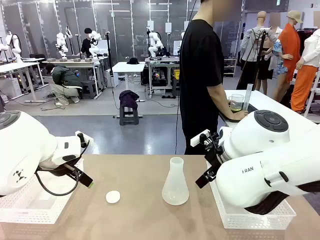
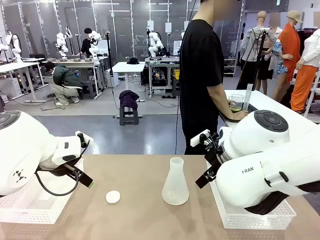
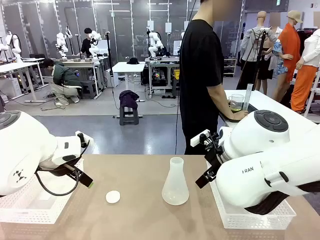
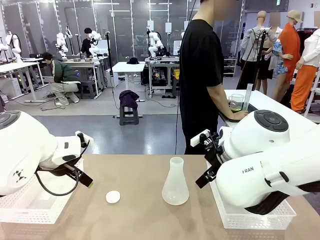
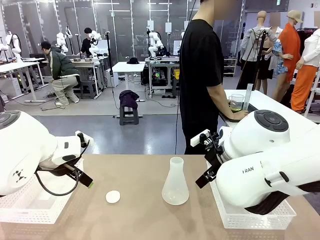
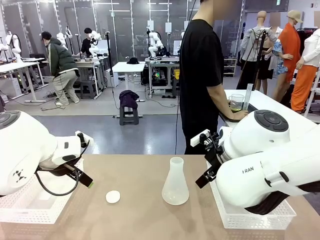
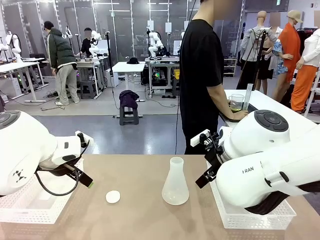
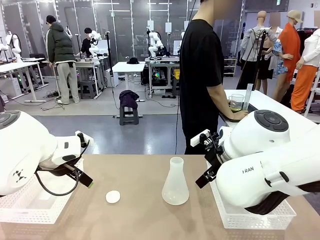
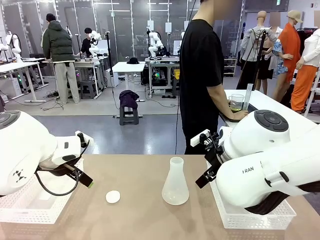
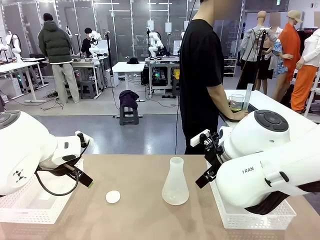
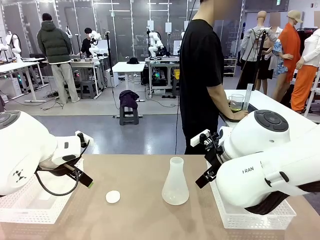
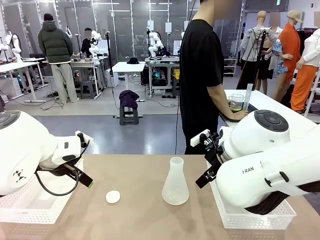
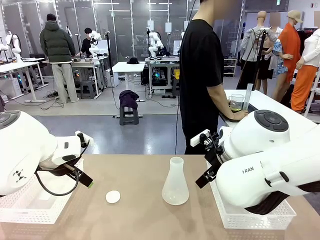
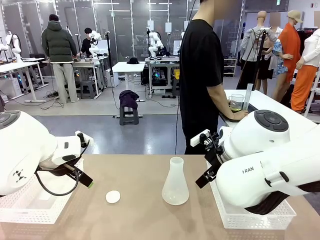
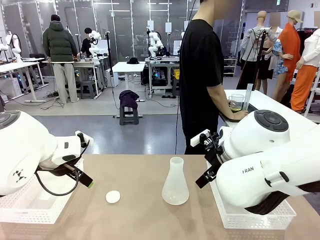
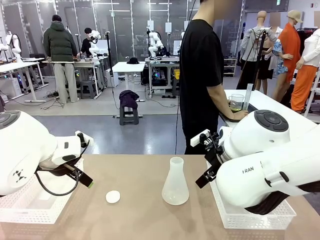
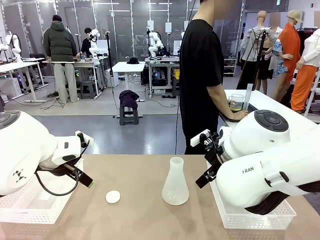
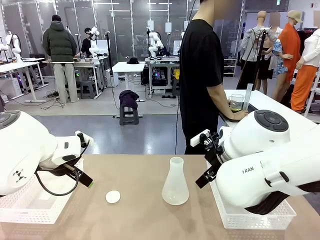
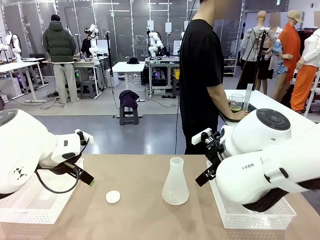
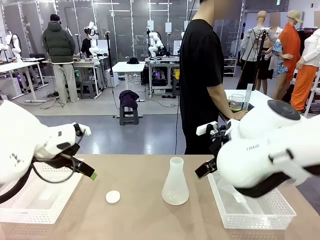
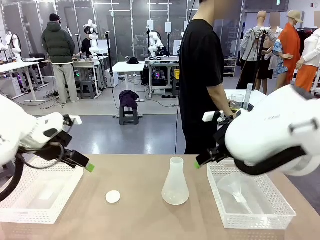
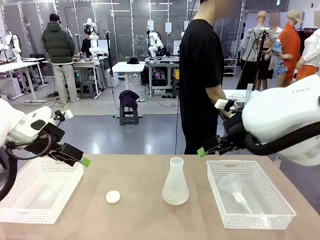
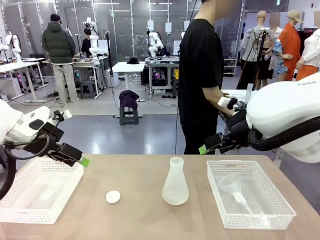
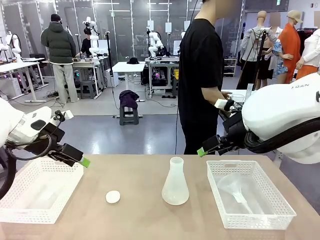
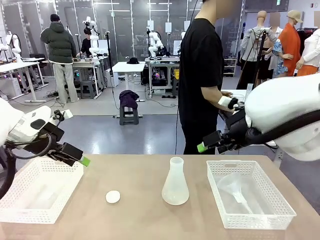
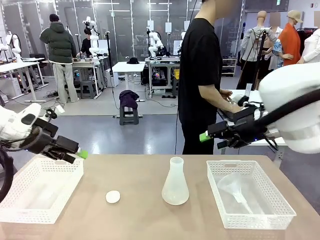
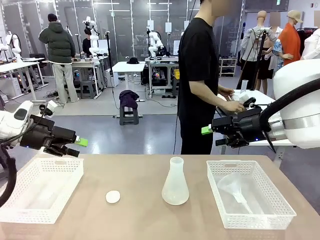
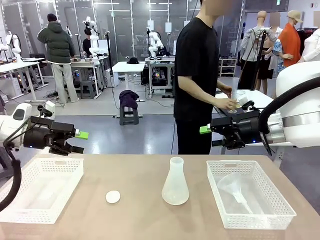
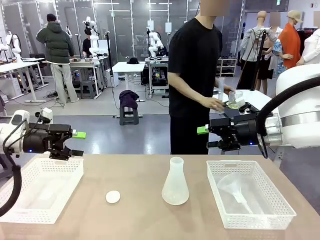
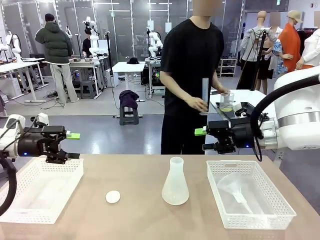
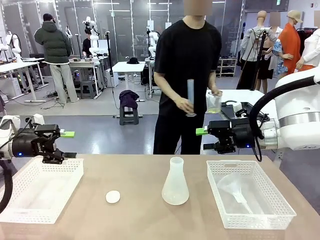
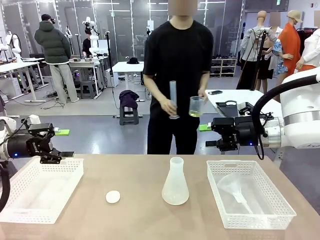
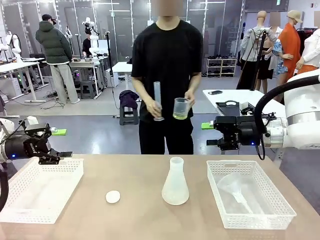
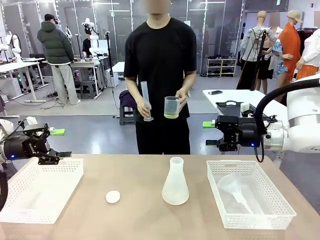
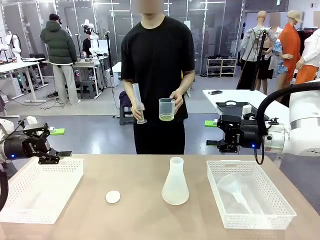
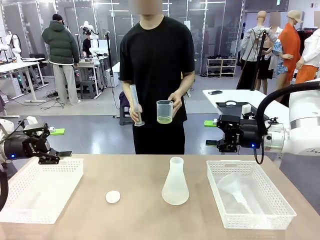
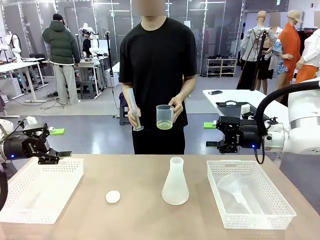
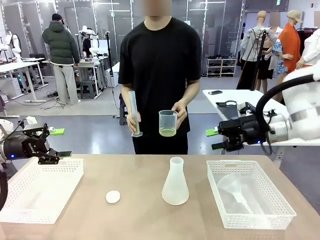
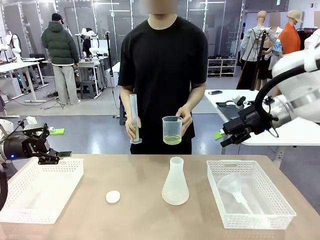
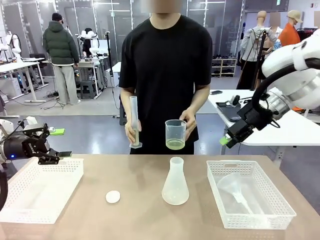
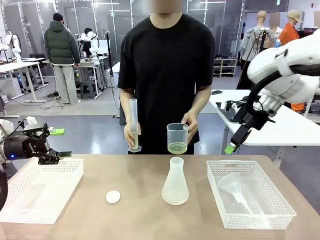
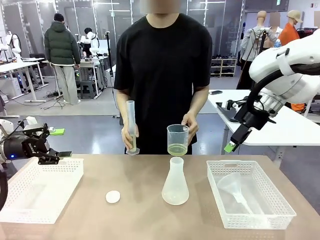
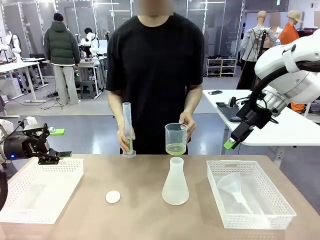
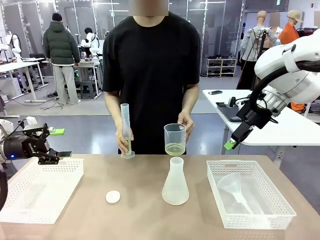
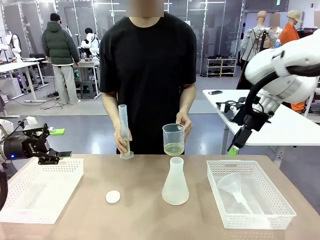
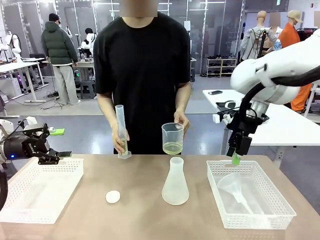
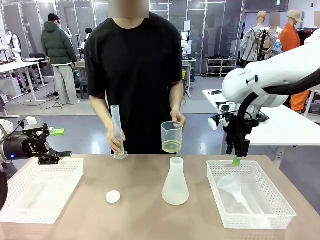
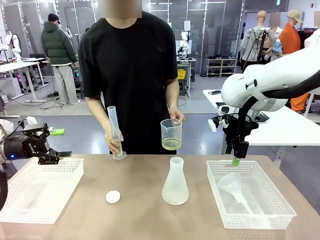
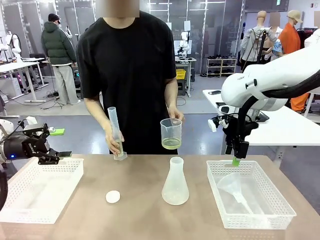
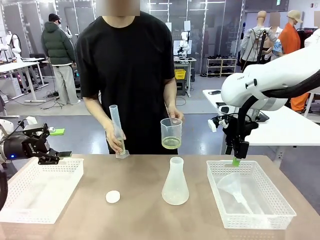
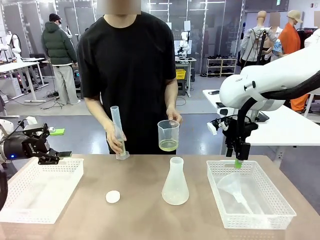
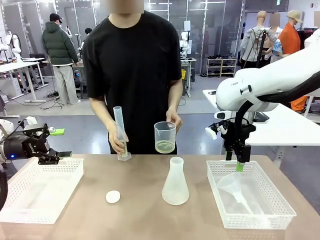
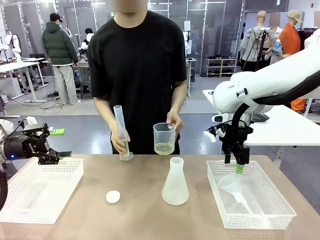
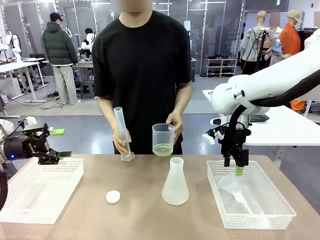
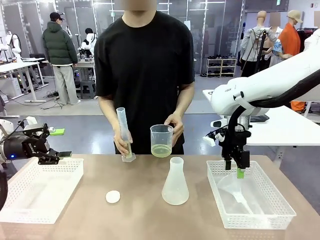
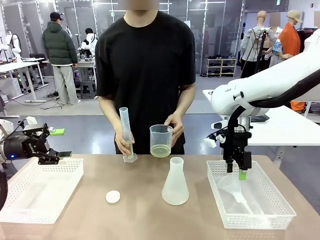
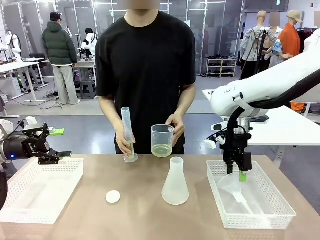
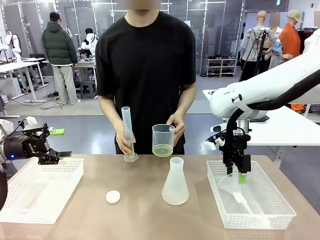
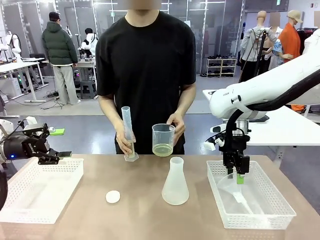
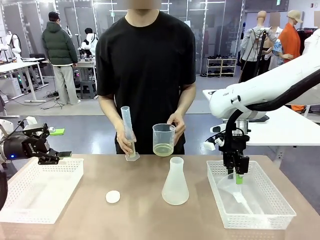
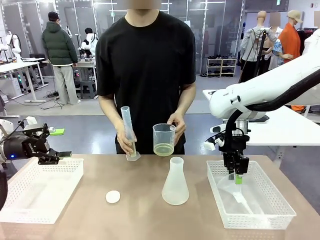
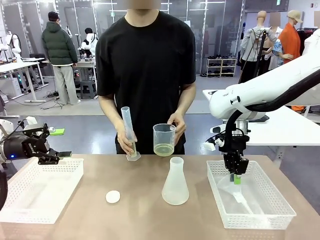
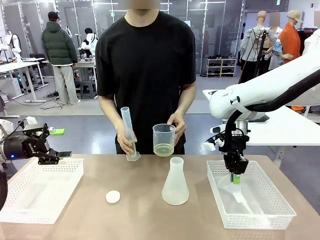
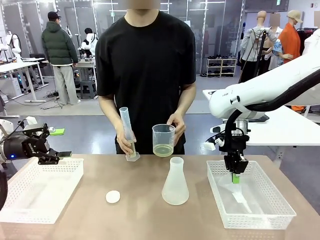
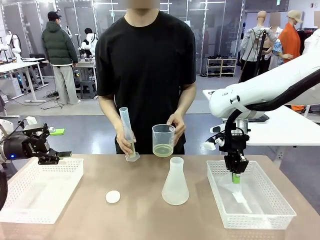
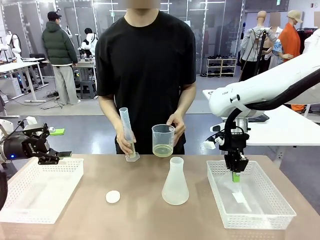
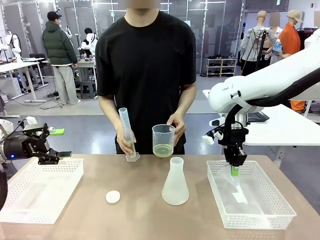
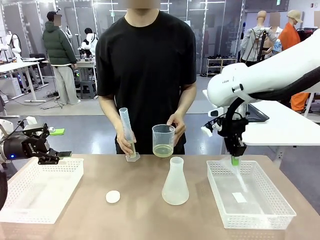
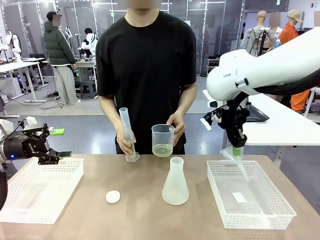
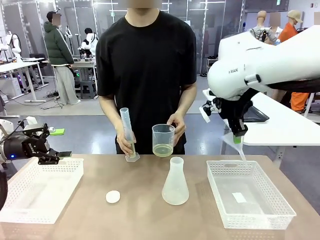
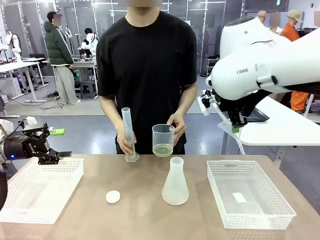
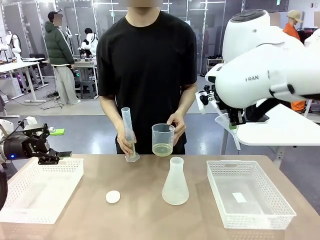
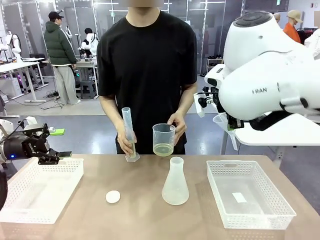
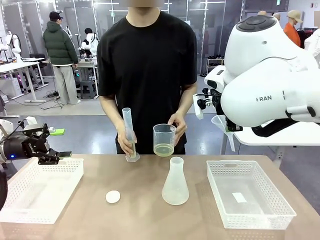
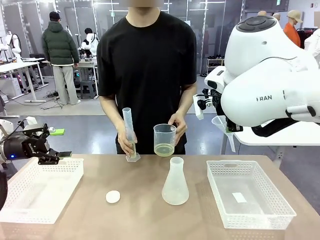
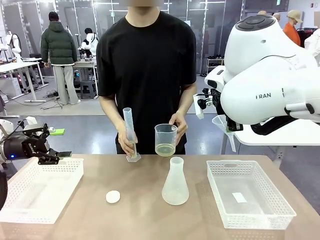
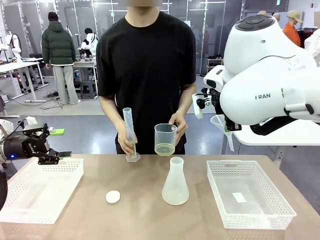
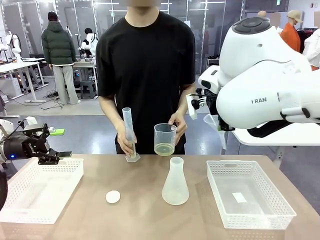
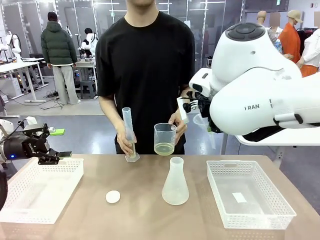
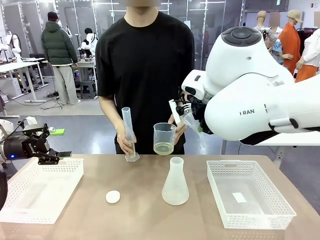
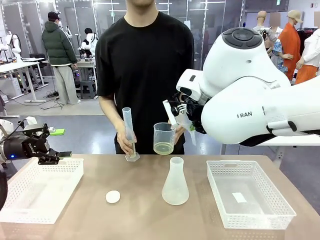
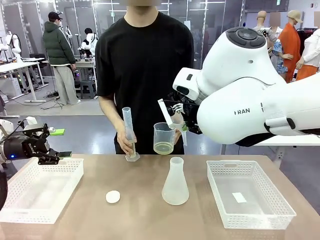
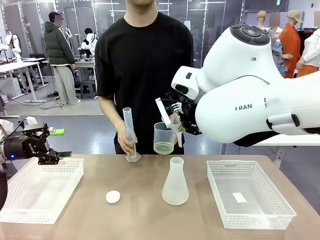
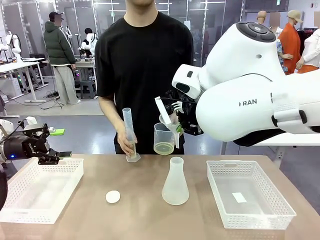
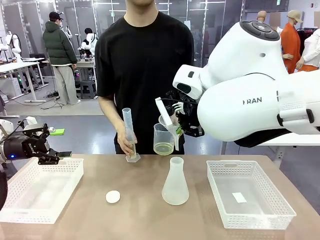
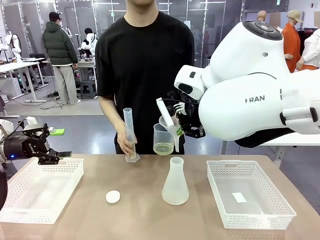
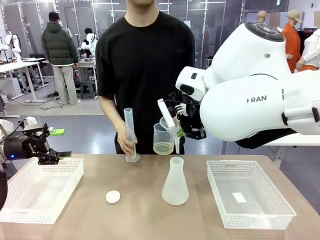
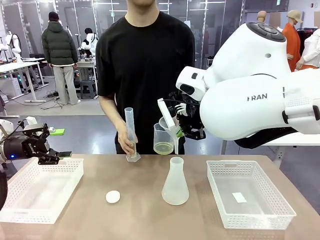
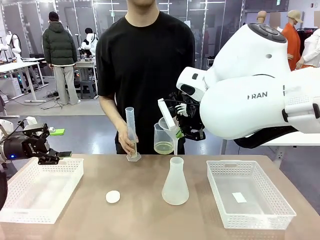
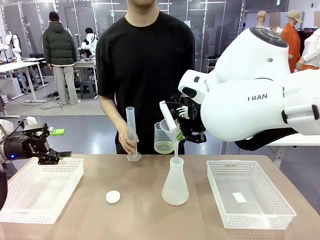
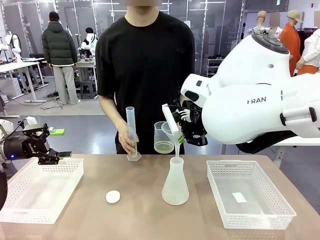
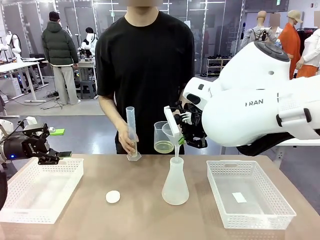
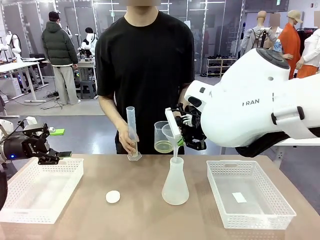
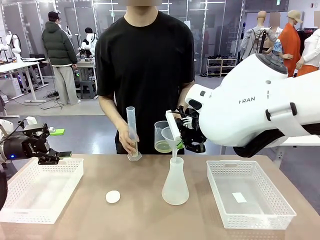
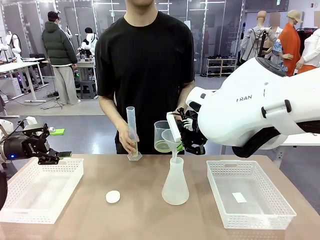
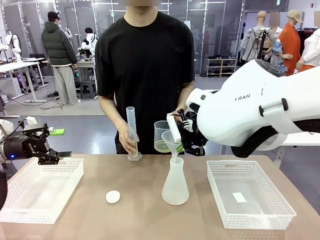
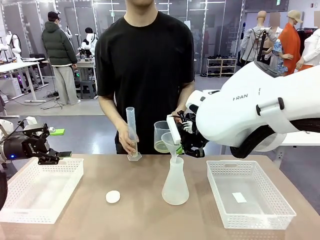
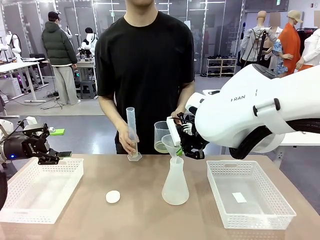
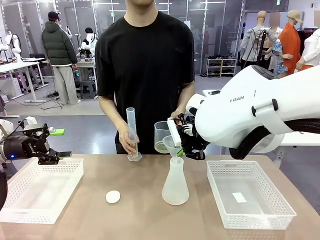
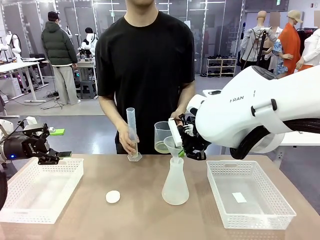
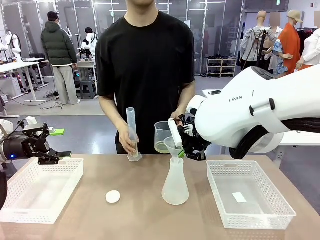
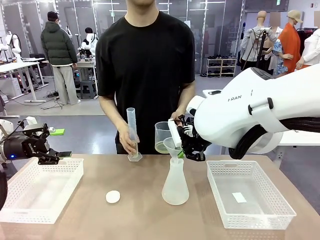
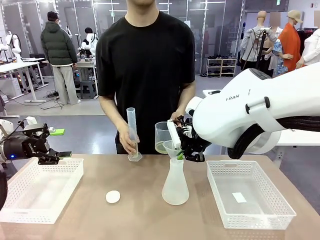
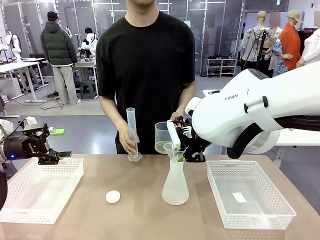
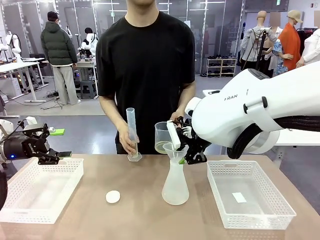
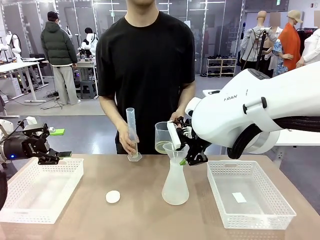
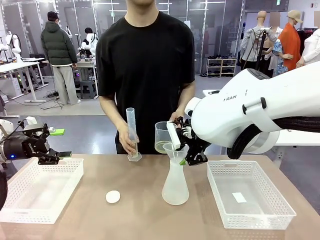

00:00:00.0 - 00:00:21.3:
Task: Prepare the solutions needed for the experiment.
Robot: Pick up the Plastic Funnel and insert it into the Big flask.
Person: Pick up the beaker and the cylinder and move to the middle of the robot table. Pour the solution from the beaker and the cylinder into the flask.
